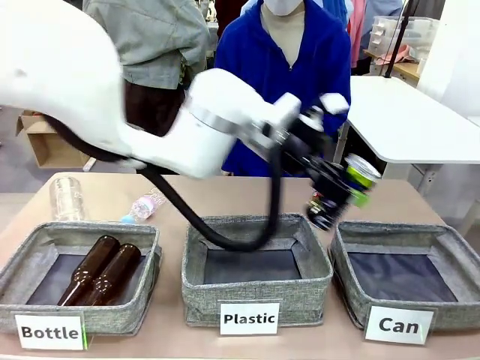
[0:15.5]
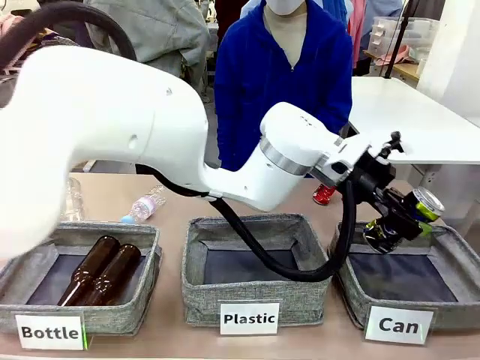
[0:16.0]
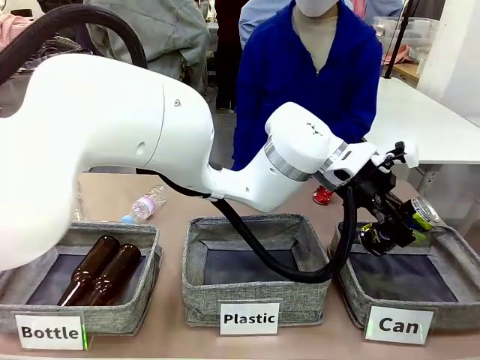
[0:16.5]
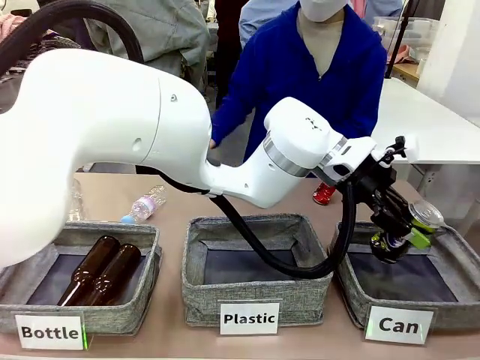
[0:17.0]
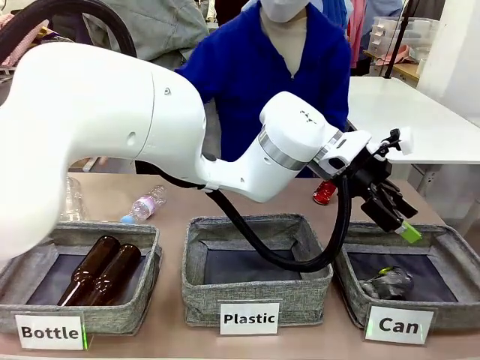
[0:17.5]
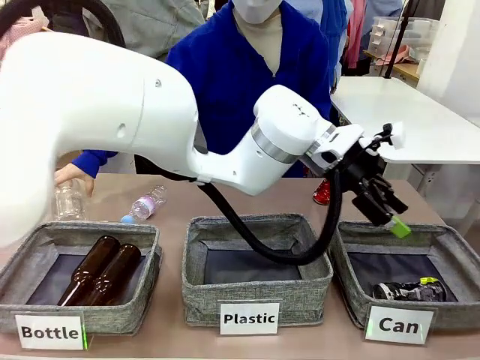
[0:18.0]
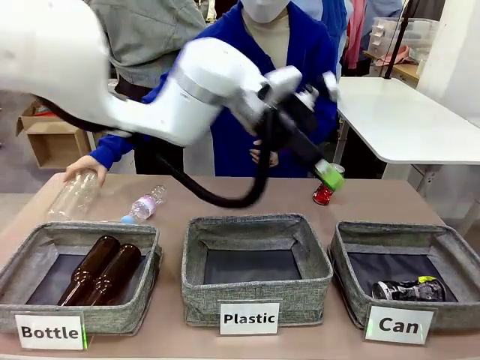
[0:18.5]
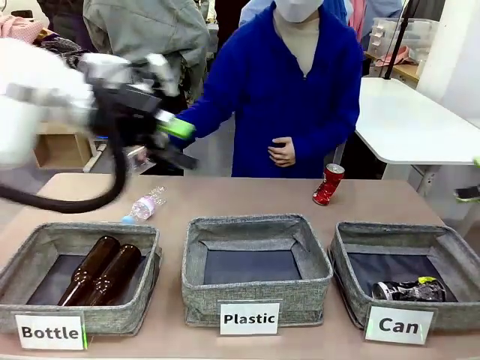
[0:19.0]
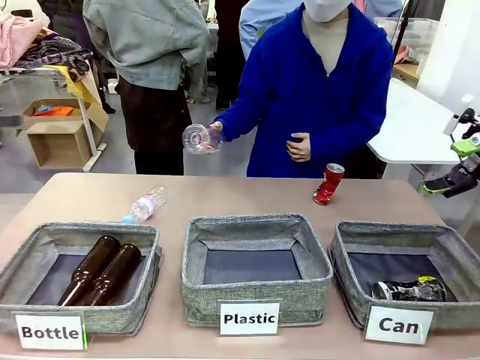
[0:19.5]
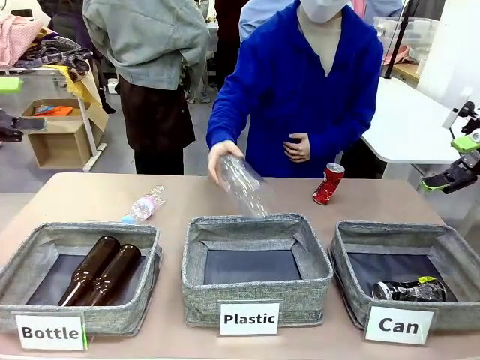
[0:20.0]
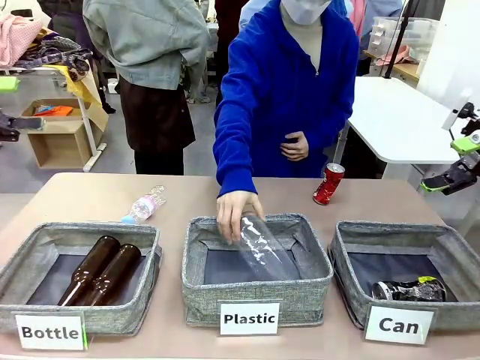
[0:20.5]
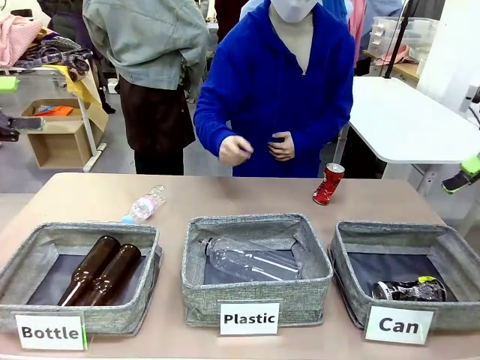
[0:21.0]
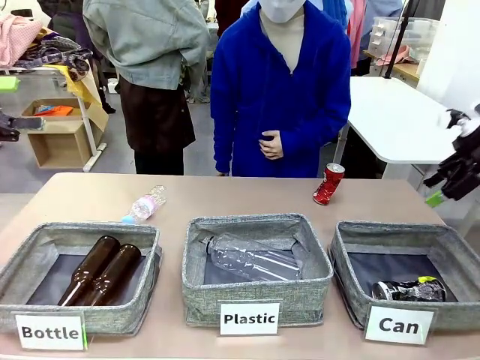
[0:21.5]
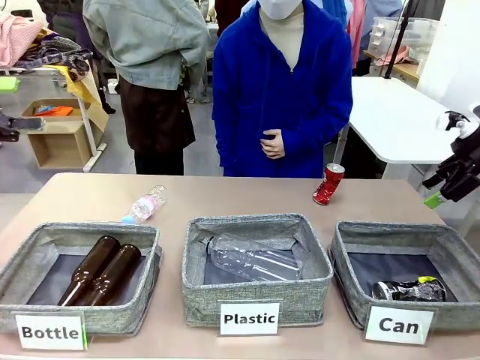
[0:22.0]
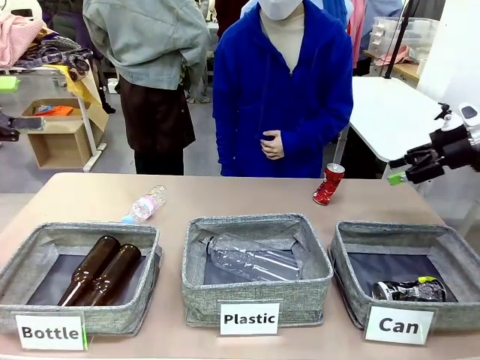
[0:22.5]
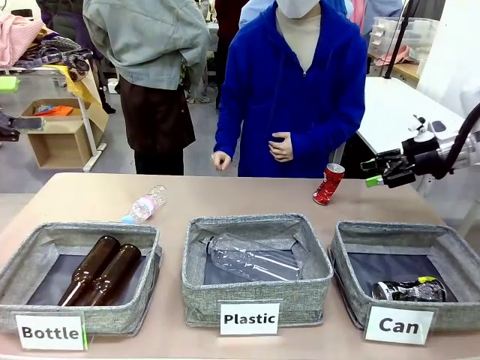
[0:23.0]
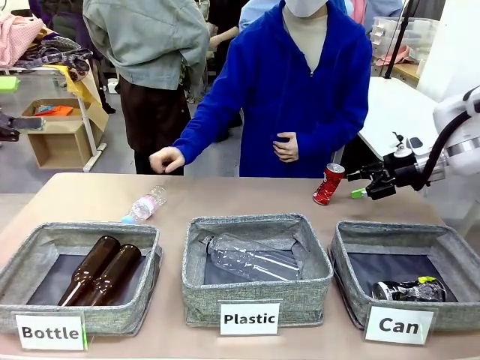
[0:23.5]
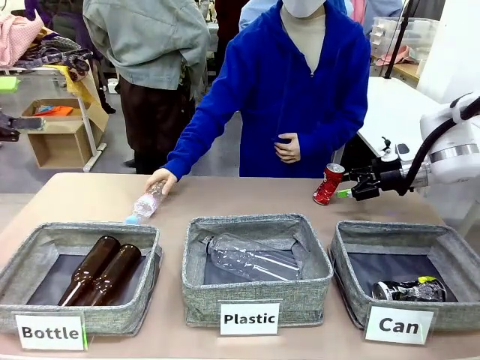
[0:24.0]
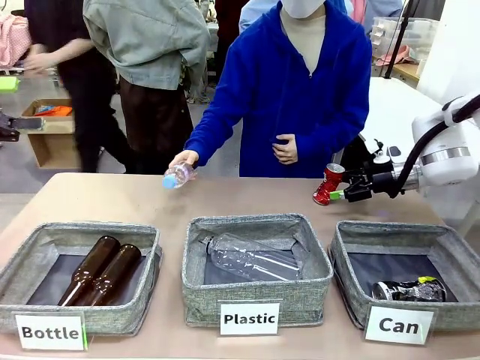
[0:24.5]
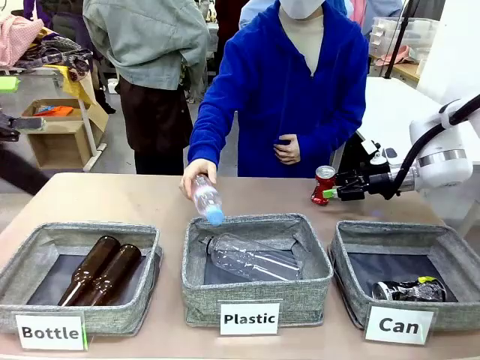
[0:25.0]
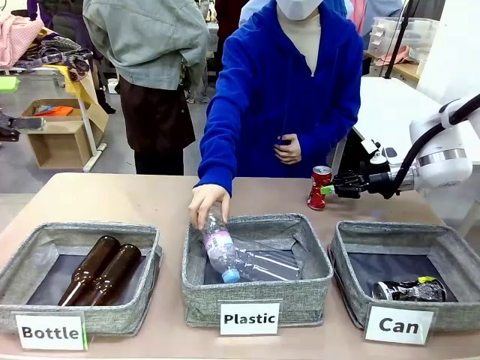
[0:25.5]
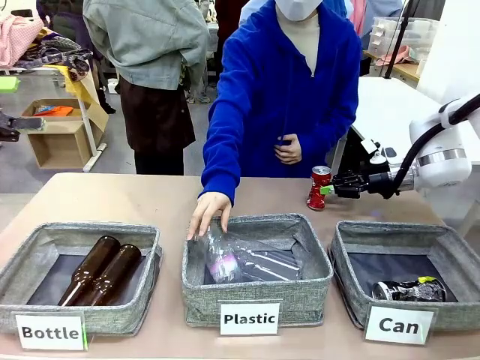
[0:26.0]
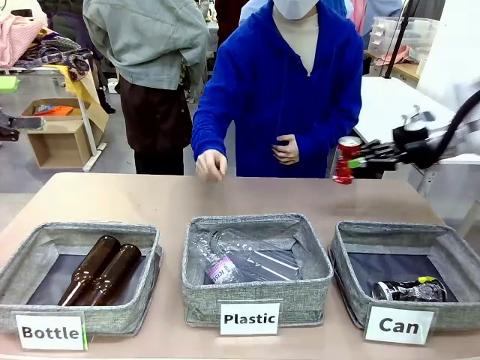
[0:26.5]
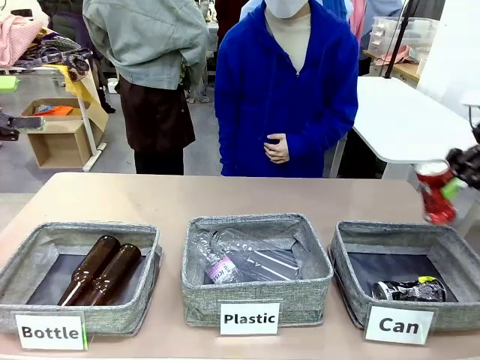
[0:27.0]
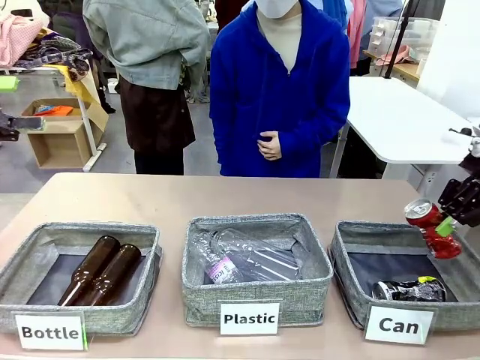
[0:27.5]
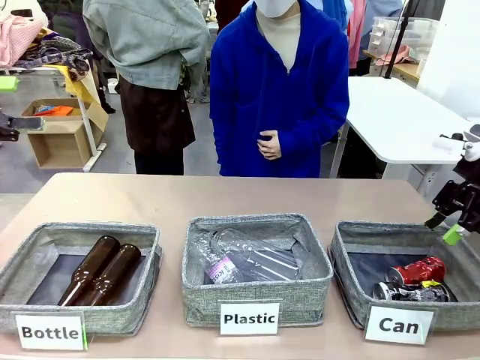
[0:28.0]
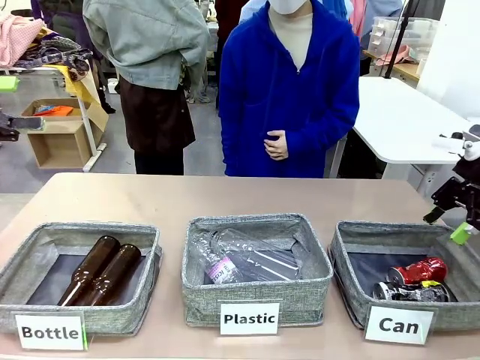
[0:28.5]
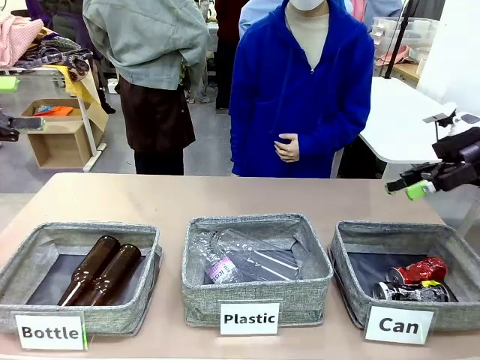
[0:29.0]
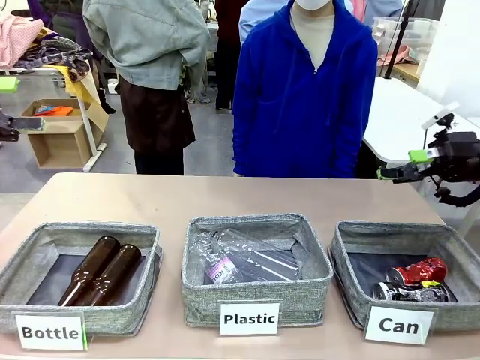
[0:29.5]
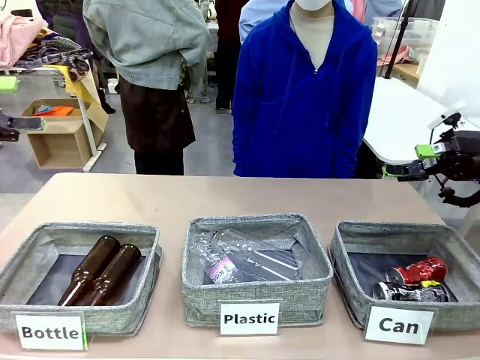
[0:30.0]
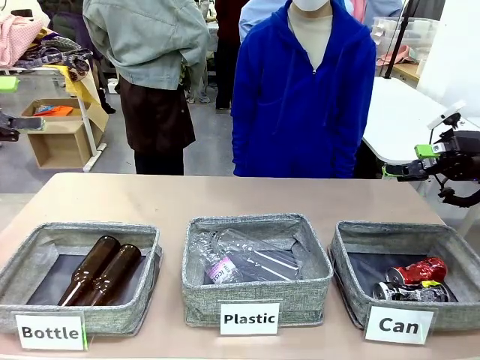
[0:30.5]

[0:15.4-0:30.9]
Task: Sort the can waste into the basket.
Robot: Pick up the can waste from the table and place it in the right Fabric basket.
Person: The human picks up one piece of trash that is not a can and places the trash into the appropriate organizing basket.
